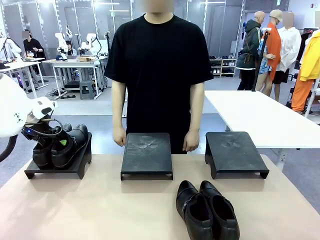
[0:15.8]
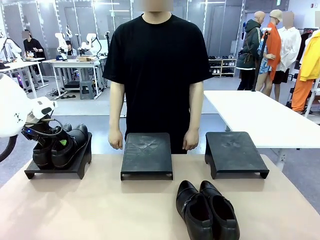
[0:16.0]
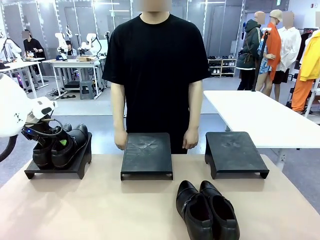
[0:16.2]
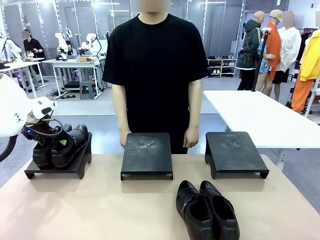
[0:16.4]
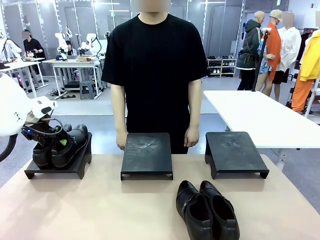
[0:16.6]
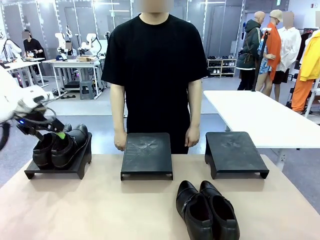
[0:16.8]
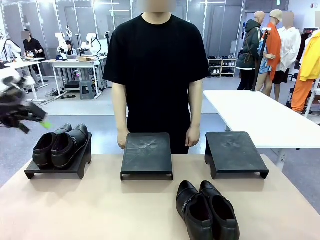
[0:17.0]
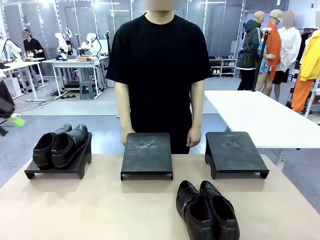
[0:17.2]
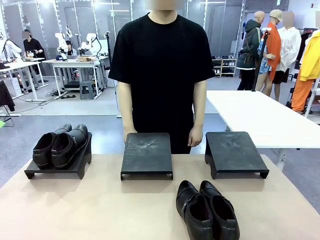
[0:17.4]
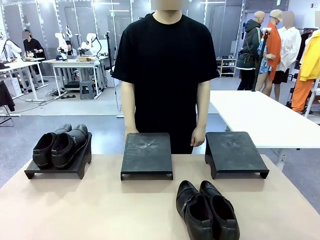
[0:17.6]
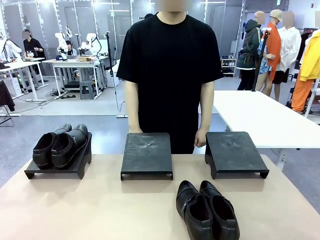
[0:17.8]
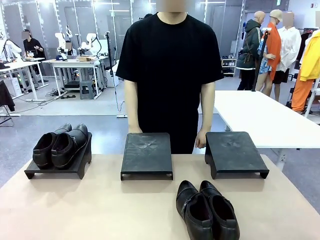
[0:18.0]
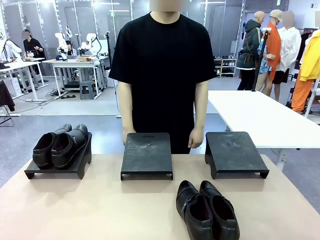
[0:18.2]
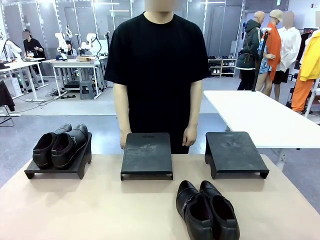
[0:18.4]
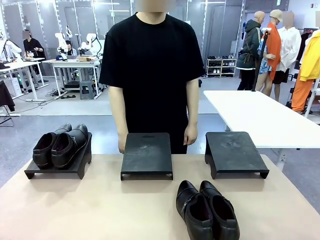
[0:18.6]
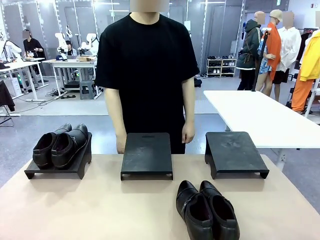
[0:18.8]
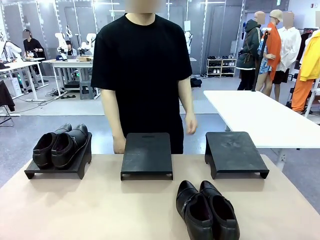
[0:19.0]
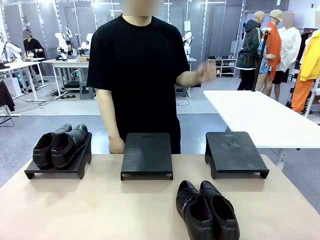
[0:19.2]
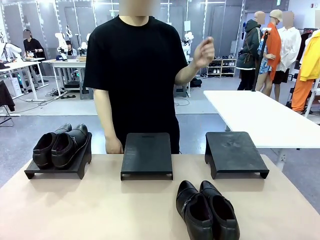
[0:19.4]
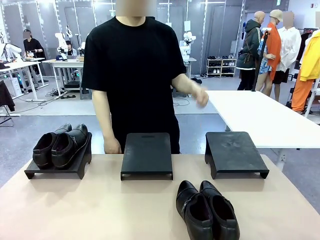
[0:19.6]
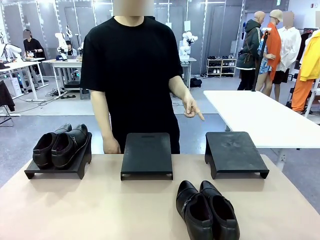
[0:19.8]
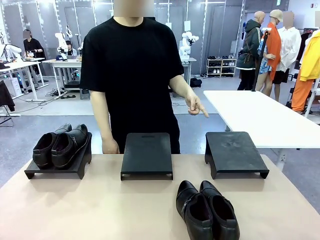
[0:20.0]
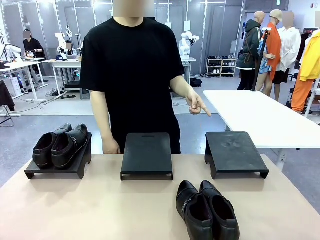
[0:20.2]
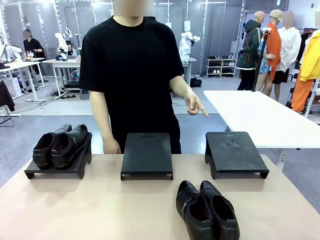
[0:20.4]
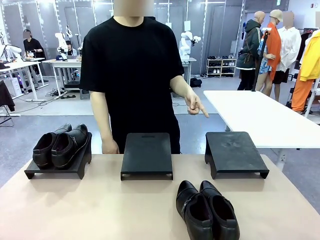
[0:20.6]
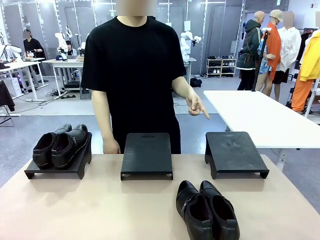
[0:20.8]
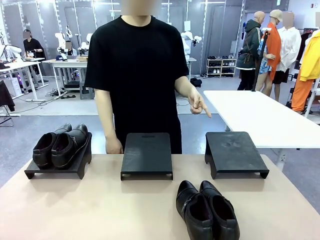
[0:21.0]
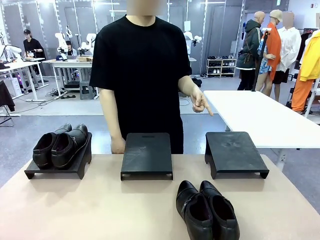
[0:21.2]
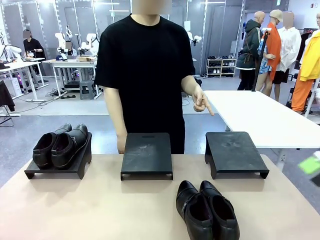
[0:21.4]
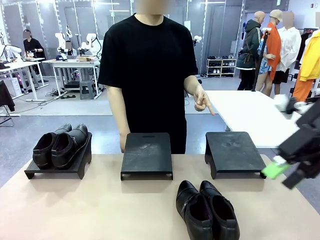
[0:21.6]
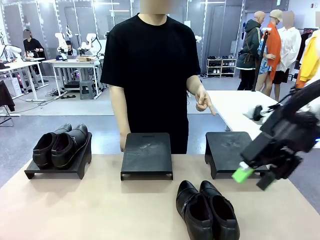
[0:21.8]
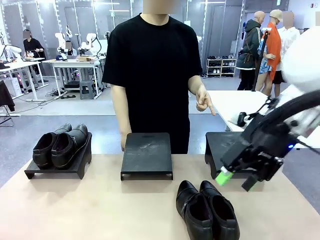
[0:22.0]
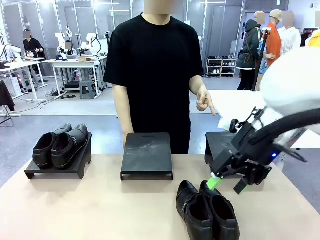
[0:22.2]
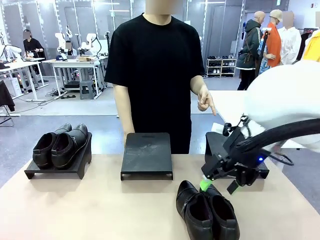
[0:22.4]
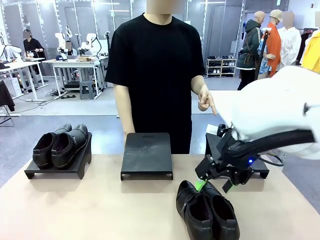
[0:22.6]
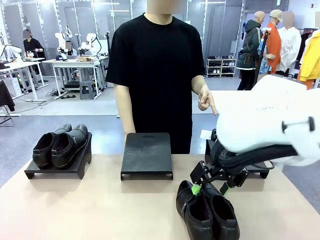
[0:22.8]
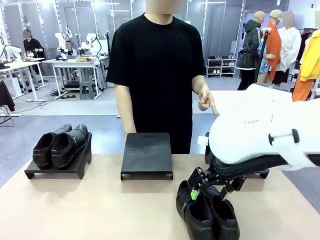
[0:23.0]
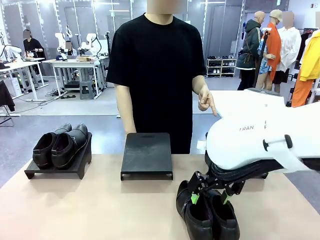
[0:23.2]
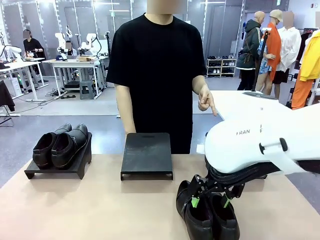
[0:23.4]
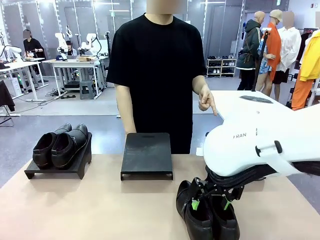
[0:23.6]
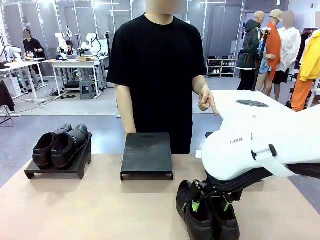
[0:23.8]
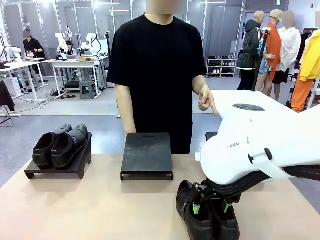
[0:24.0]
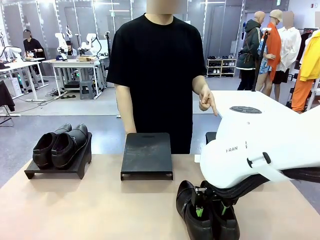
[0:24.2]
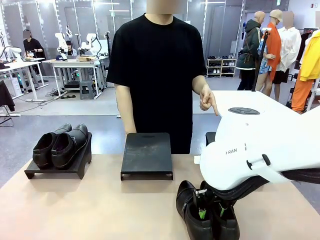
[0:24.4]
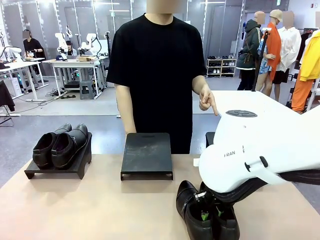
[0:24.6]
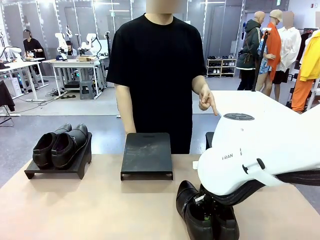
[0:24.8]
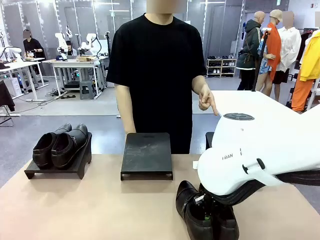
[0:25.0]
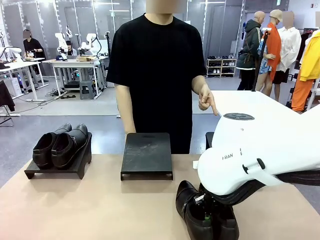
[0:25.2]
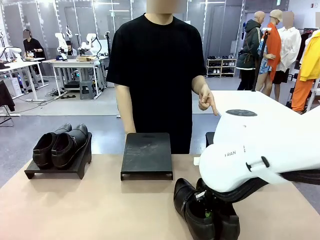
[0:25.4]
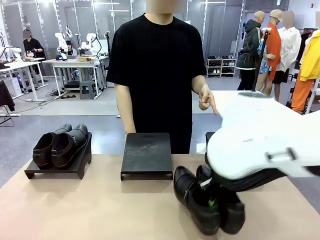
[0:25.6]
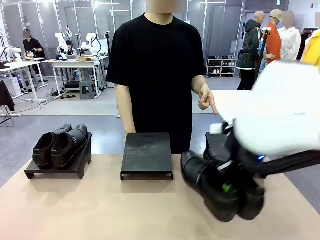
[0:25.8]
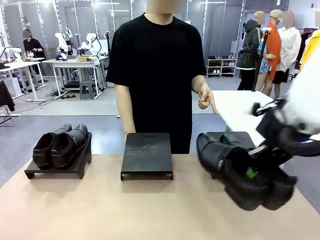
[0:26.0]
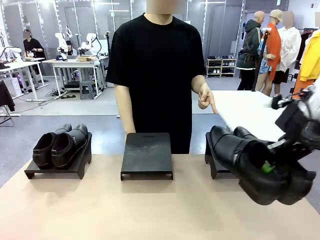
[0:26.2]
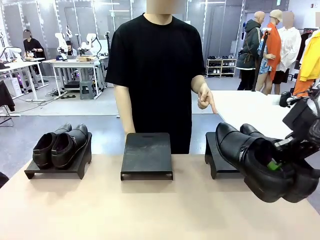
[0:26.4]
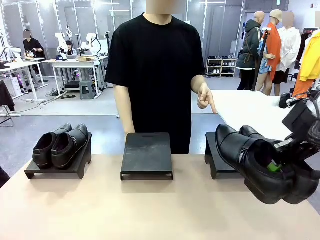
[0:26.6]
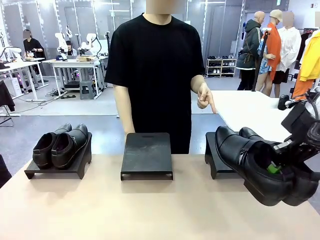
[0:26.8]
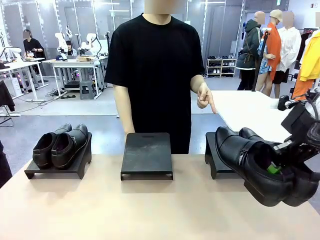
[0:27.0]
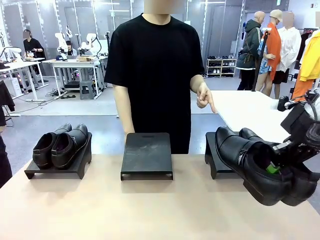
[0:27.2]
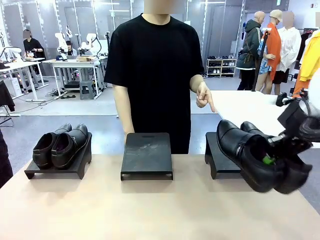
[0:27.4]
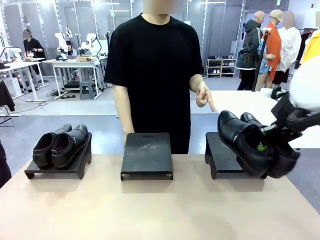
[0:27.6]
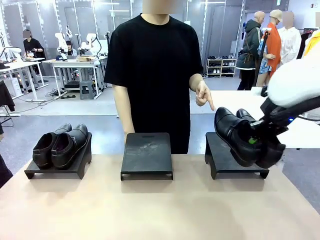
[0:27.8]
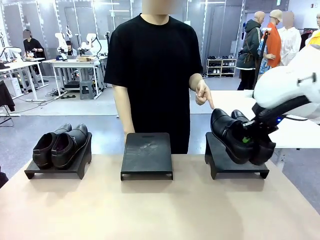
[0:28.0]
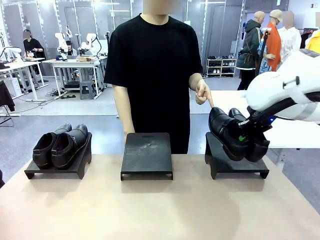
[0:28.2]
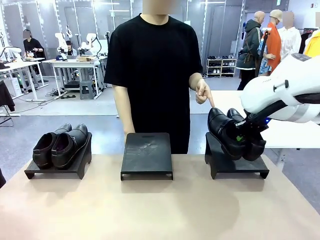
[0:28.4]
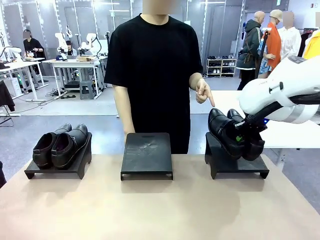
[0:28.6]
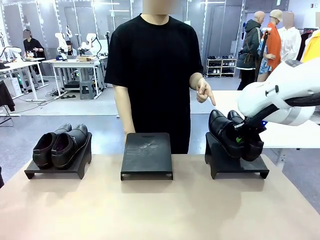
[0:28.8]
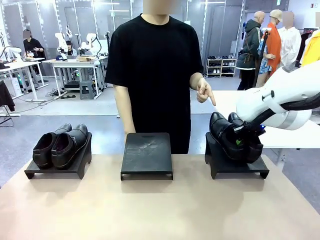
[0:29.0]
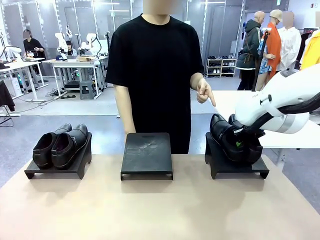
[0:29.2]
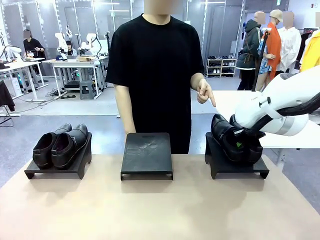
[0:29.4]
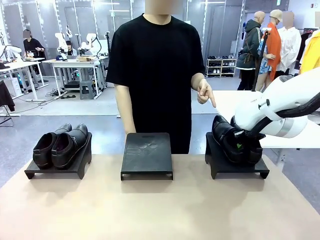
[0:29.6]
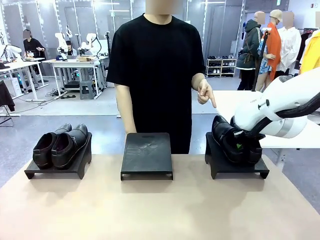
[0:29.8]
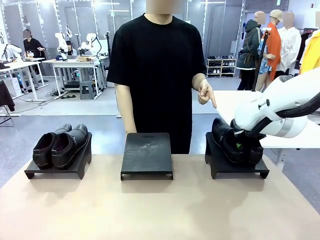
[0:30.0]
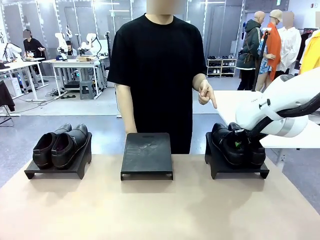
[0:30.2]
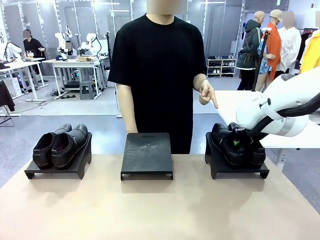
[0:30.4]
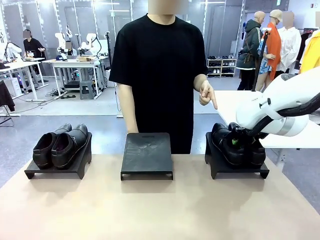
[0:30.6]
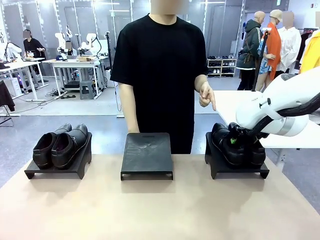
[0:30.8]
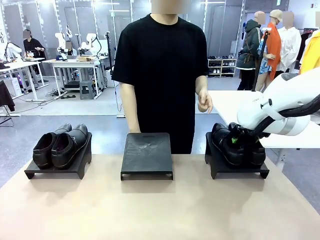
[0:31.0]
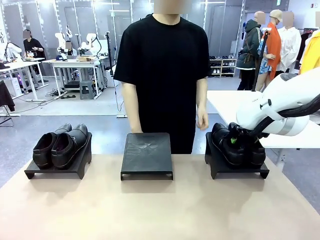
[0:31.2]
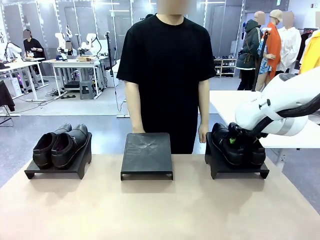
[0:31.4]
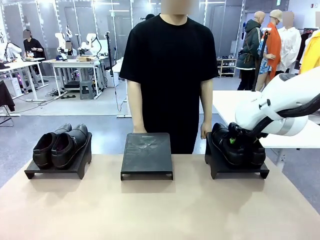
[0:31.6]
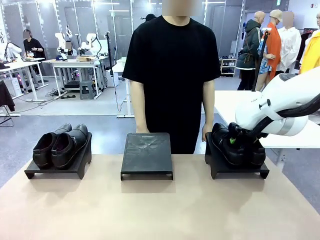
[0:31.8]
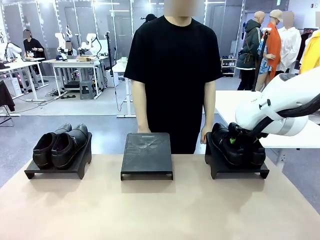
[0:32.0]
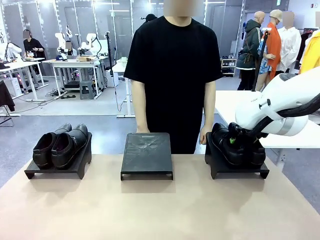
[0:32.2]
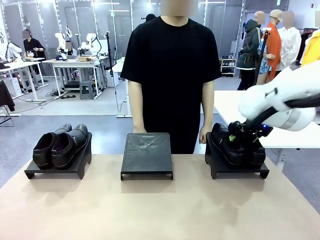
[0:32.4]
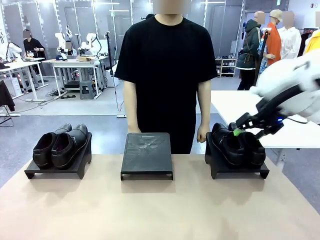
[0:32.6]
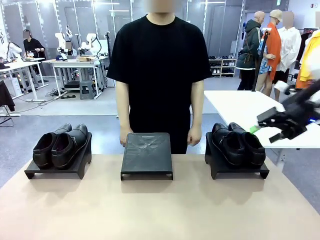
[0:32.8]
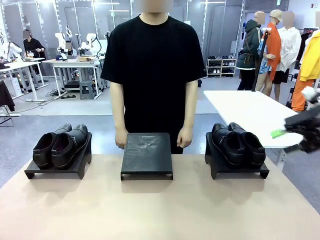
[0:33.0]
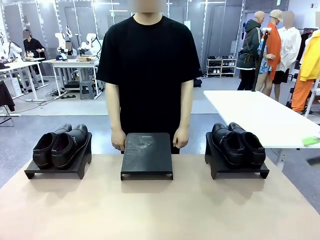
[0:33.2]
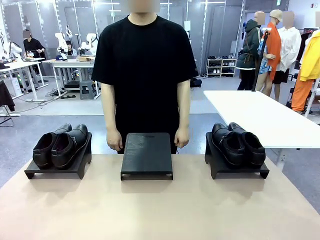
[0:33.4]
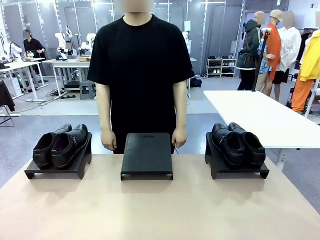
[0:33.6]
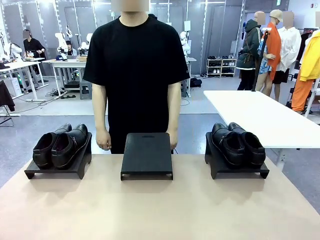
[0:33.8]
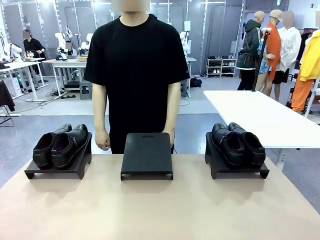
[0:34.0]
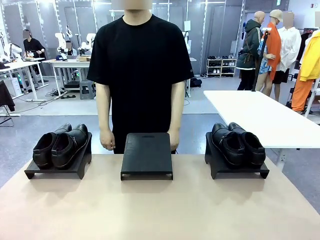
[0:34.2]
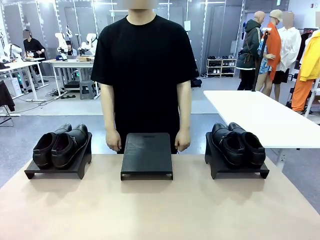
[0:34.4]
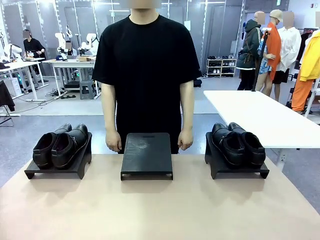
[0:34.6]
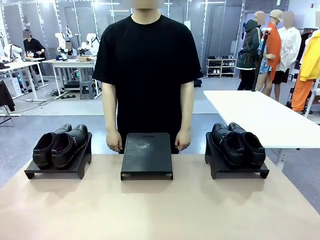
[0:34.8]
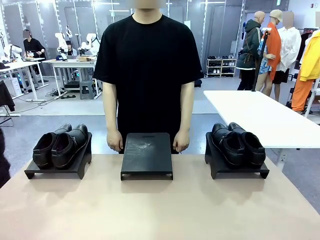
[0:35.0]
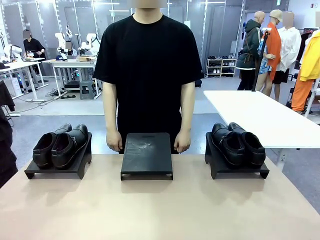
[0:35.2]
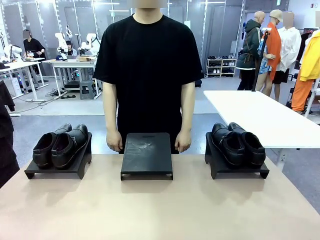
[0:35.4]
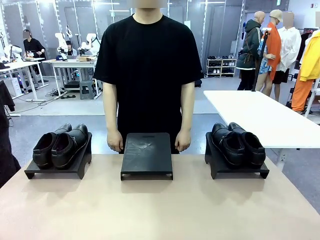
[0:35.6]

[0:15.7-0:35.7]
Task: Place the shoes on the stand as instructed by the person.
Robot: Pick up another pair of Shoes and place it on the Shoes Stand indicated by the person.
Person: Point to one Shoes Stand.

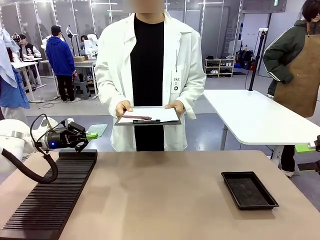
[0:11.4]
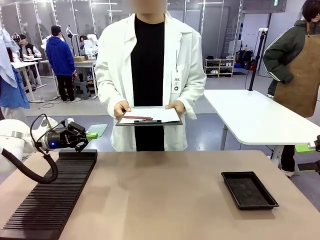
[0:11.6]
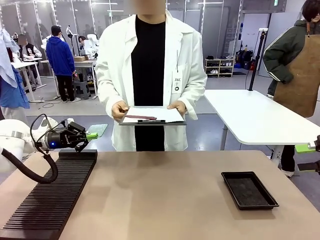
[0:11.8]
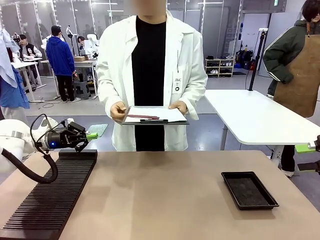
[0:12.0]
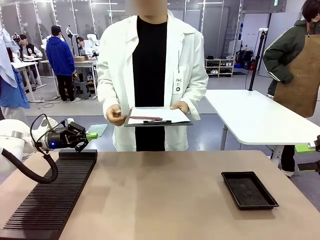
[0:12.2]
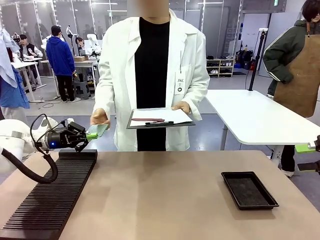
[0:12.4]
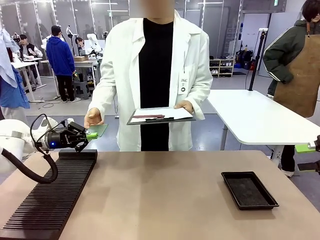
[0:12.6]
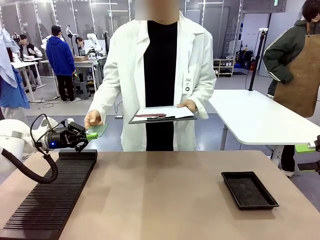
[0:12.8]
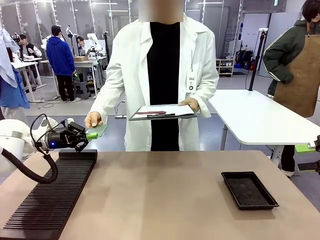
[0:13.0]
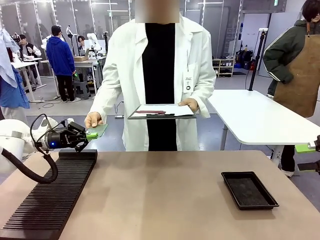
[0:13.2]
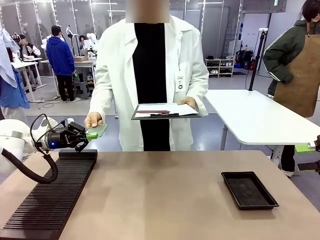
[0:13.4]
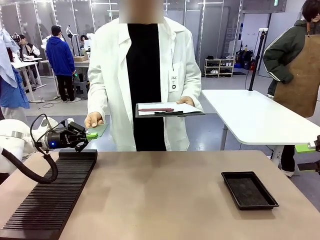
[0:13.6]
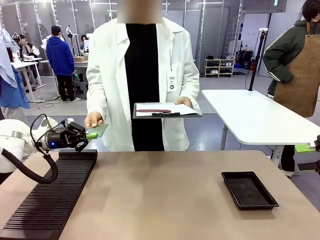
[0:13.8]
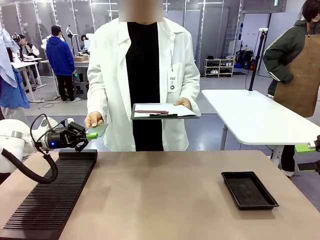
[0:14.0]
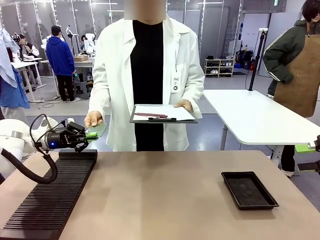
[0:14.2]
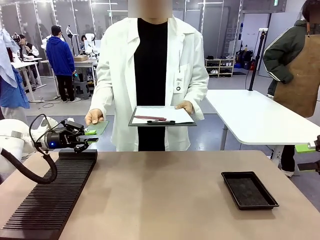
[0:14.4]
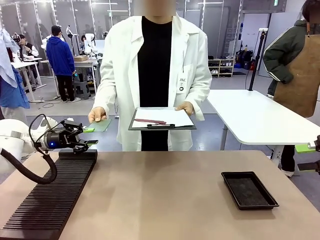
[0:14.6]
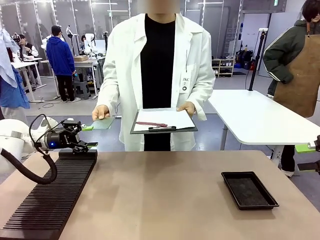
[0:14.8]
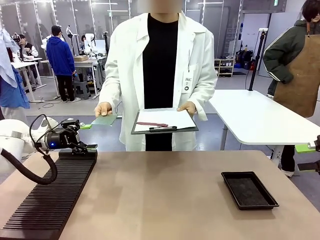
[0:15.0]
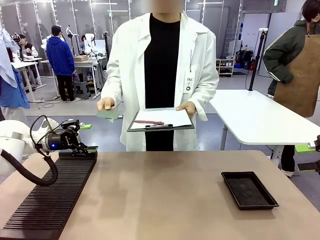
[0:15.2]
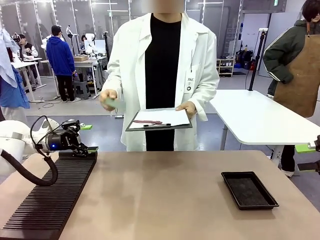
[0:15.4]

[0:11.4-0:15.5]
Task: Inspect the PCB.
Robot: Release the Blank PCB you were holding.
